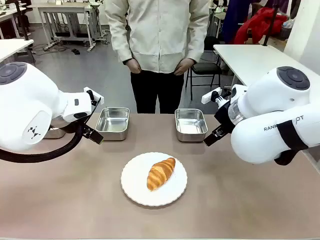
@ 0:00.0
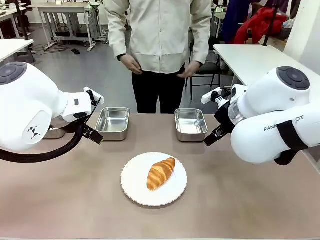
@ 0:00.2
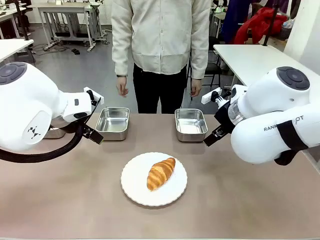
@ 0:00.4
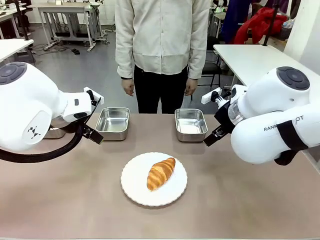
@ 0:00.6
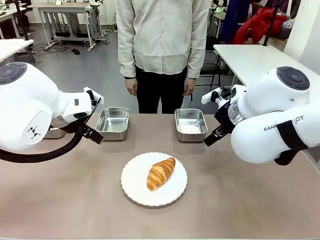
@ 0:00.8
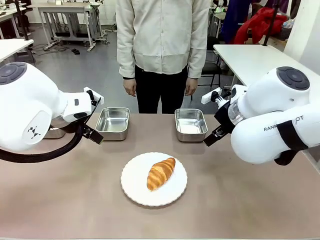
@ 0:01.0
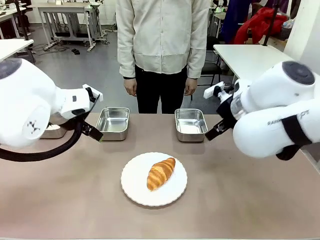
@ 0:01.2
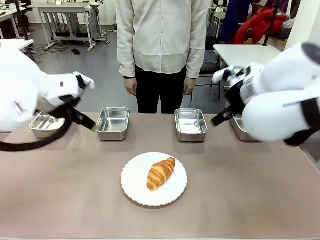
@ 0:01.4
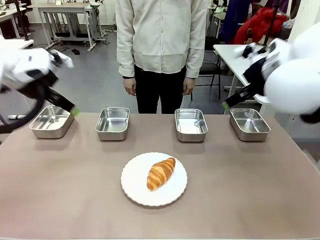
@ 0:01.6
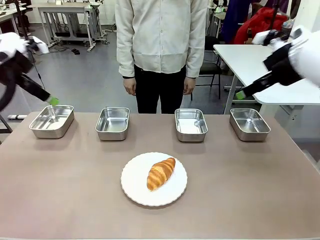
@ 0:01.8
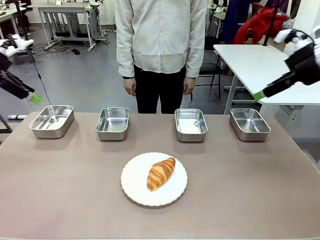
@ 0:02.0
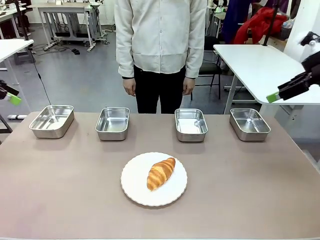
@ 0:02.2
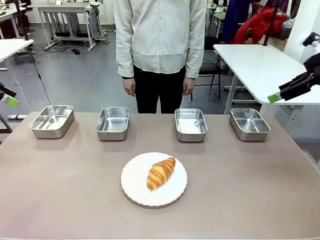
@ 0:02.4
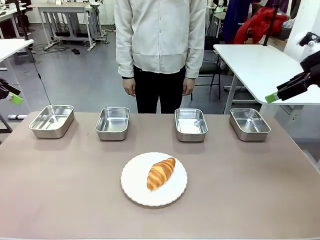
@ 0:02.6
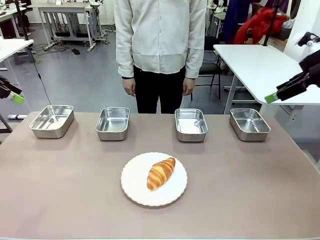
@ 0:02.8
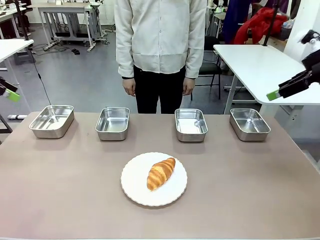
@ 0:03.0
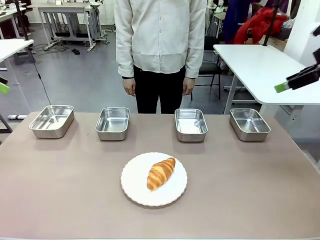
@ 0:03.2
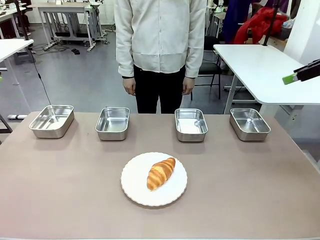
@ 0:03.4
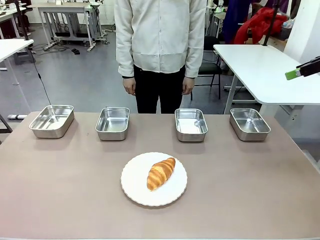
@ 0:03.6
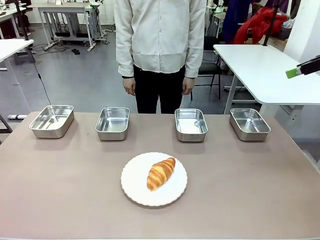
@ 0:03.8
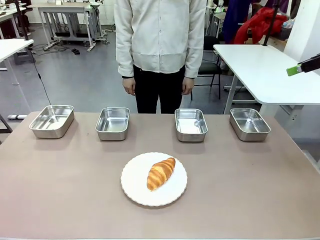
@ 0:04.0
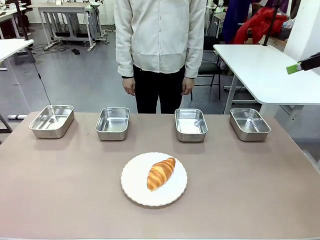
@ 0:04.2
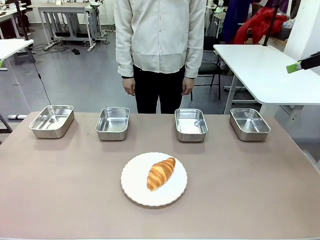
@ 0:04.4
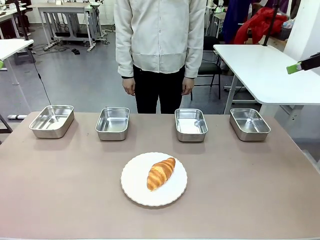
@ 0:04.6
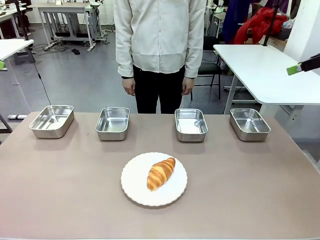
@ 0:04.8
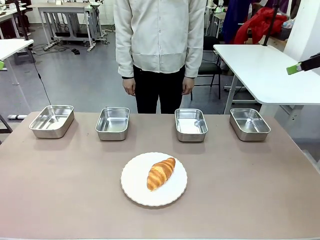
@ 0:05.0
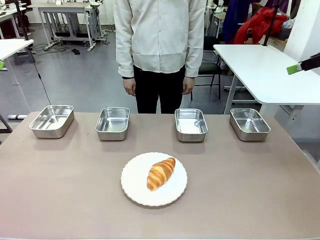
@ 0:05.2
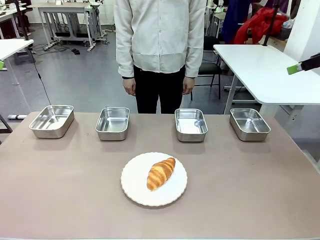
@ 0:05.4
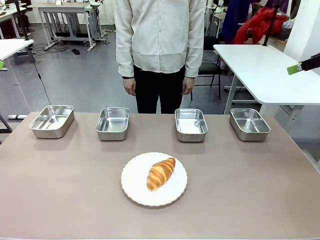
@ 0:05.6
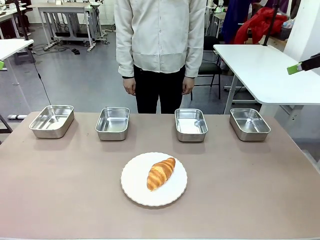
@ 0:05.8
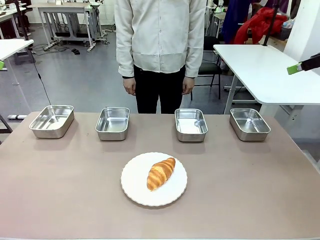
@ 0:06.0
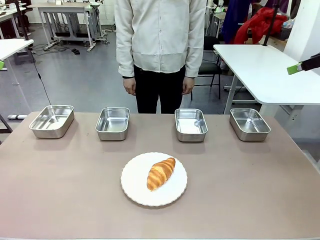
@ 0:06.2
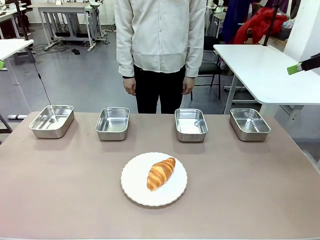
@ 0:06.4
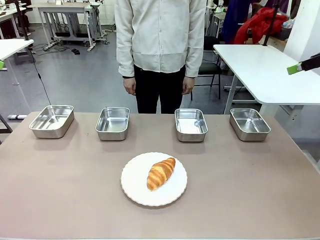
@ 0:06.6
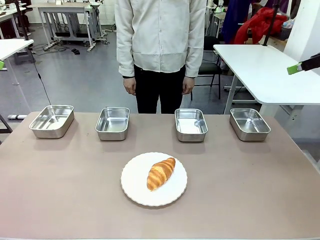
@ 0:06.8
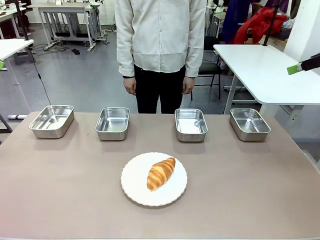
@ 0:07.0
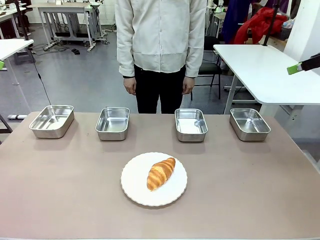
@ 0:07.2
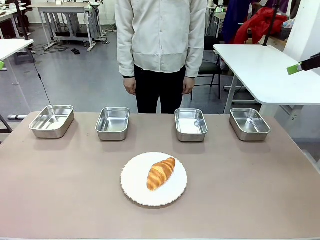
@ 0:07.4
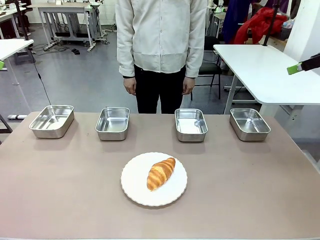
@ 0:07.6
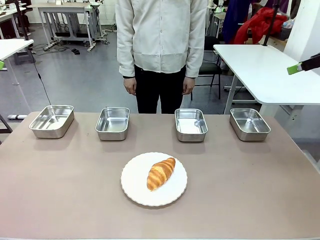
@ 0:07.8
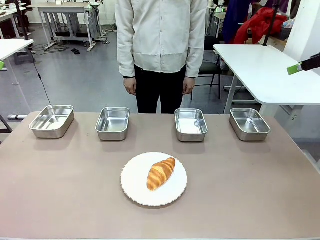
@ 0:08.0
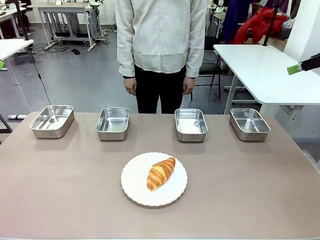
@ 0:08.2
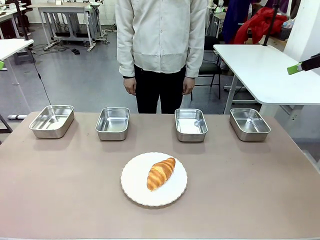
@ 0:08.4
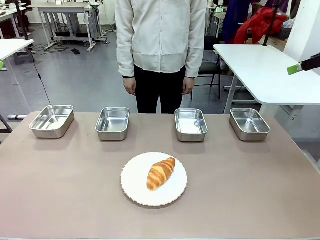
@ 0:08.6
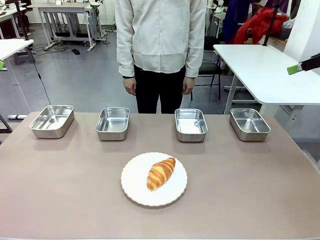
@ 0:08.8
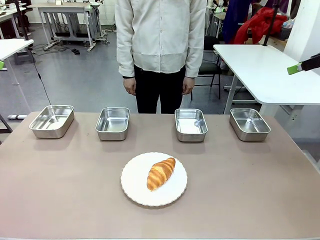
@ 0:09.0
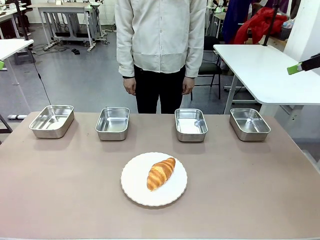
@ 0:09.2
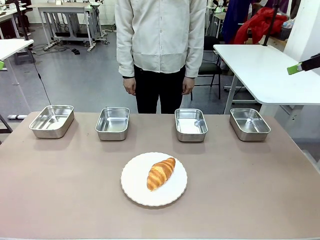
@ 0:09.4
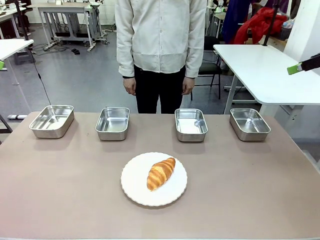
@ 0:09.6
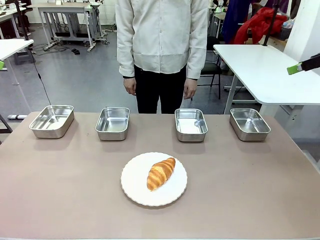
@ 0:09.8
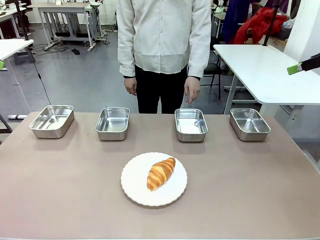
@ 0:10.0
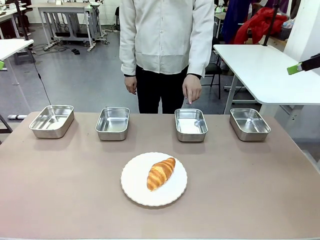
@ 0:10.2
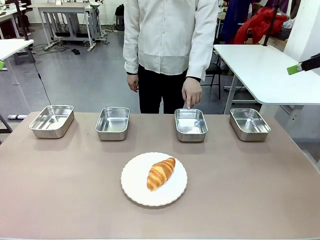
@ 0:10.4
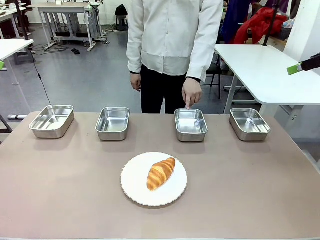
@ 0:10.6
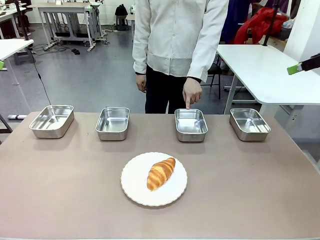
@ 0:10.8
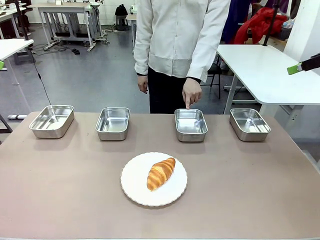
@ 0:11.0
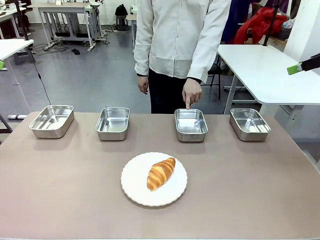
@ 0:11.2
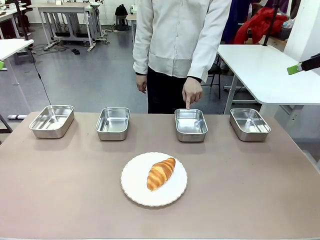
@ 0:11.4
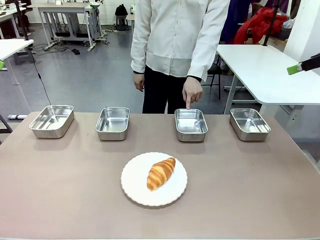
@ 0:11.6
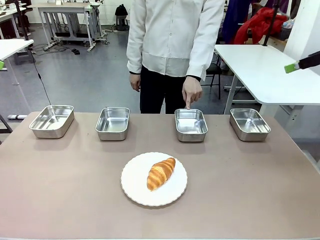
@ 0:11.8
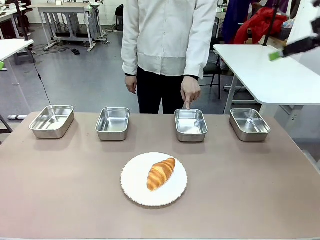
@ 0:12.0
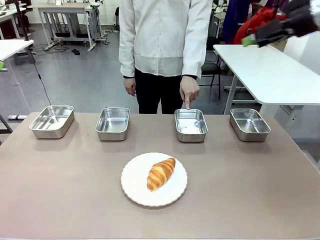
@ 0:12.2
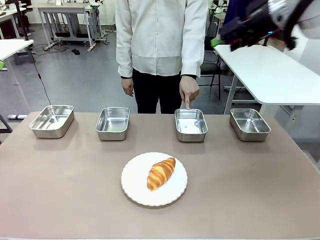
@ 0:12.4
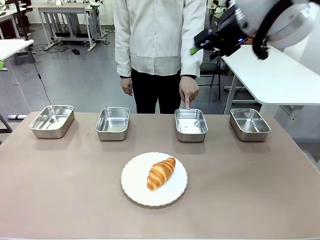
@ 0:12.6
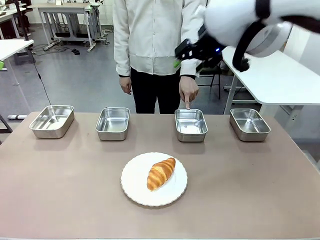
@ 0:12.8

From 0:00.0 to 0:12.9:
Task: Place the bread in the container.
Robot: Place the Butter Roll into the Airtight Container indicated by the human.
